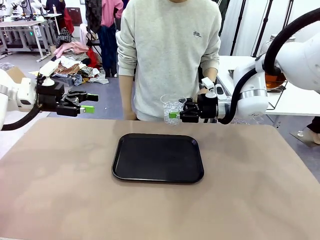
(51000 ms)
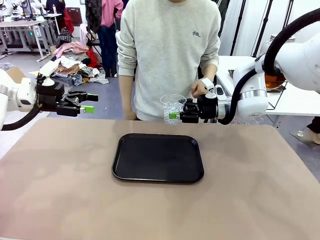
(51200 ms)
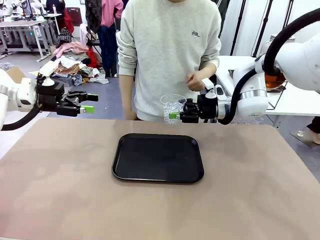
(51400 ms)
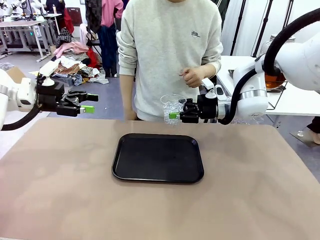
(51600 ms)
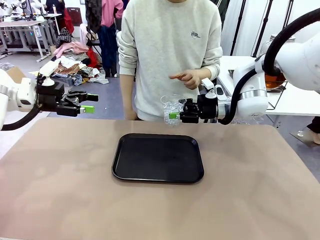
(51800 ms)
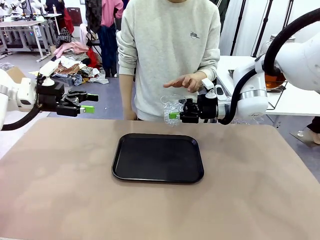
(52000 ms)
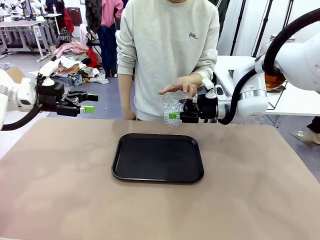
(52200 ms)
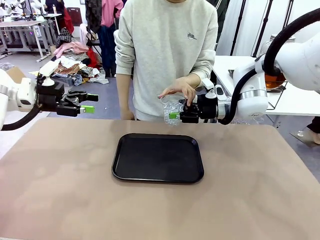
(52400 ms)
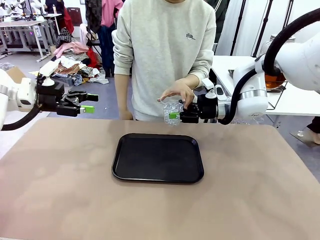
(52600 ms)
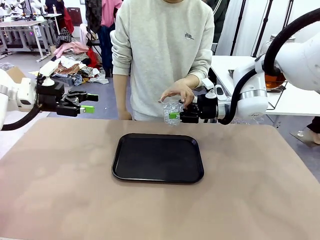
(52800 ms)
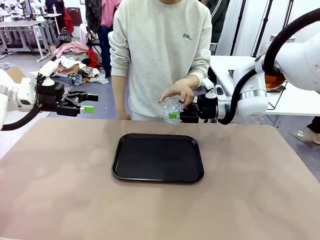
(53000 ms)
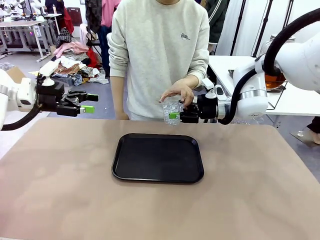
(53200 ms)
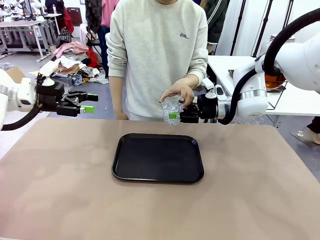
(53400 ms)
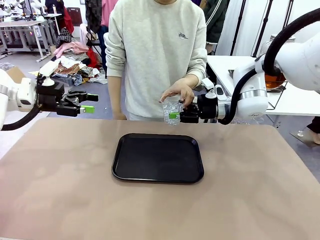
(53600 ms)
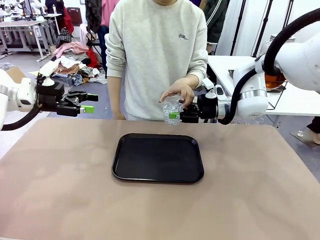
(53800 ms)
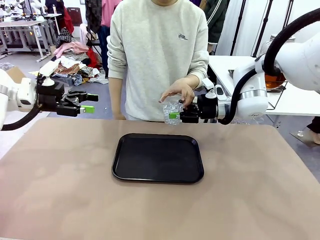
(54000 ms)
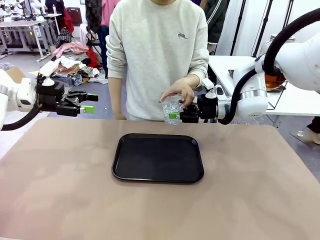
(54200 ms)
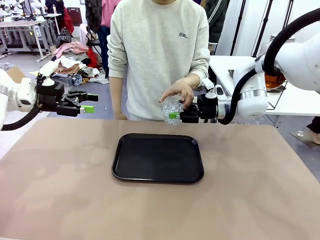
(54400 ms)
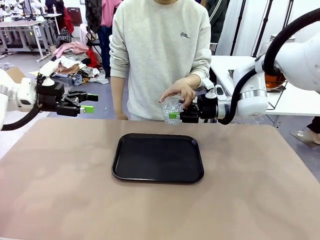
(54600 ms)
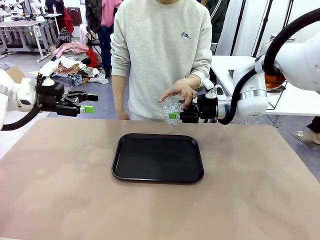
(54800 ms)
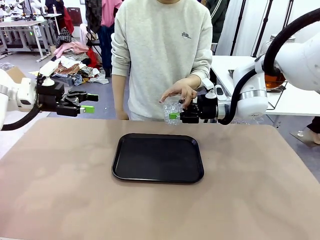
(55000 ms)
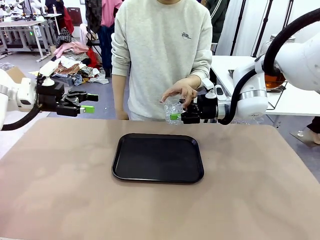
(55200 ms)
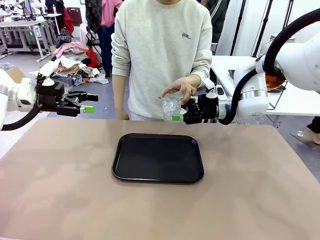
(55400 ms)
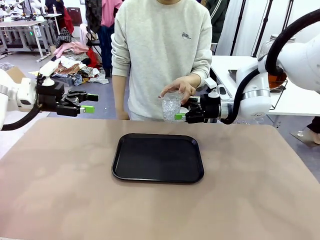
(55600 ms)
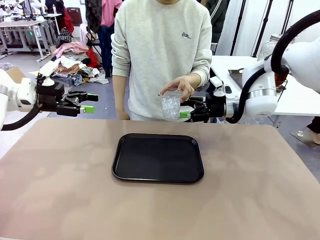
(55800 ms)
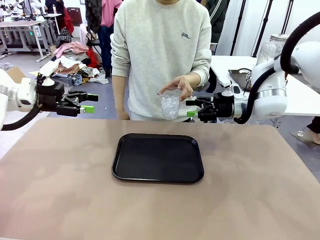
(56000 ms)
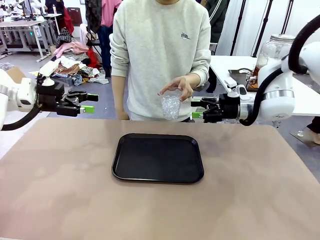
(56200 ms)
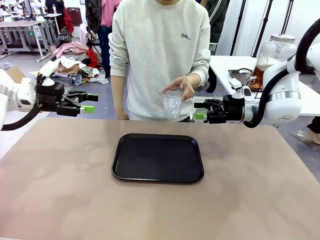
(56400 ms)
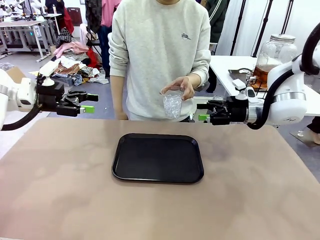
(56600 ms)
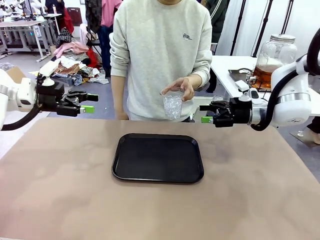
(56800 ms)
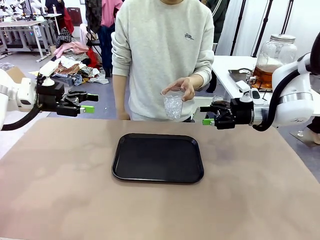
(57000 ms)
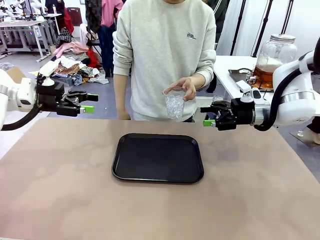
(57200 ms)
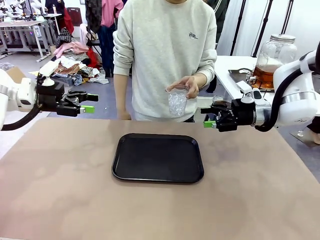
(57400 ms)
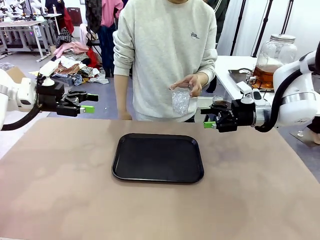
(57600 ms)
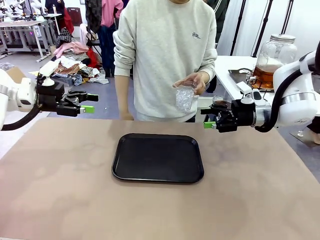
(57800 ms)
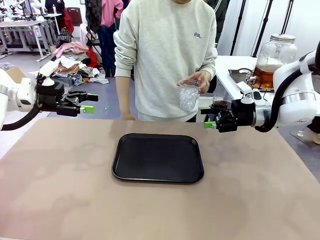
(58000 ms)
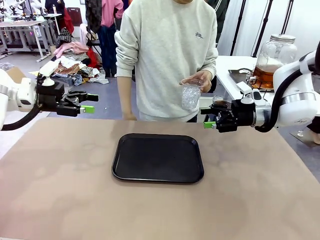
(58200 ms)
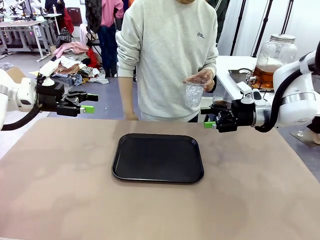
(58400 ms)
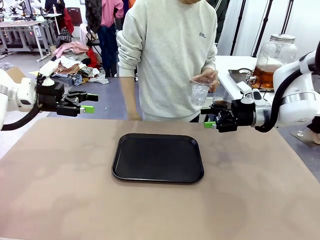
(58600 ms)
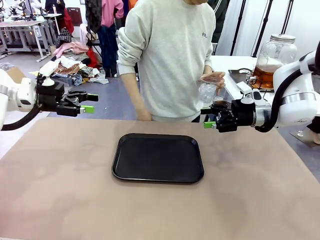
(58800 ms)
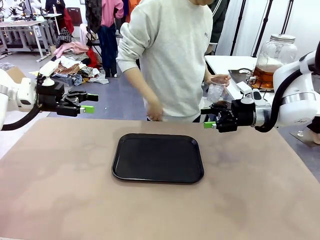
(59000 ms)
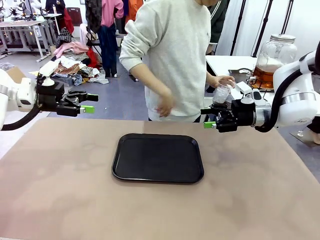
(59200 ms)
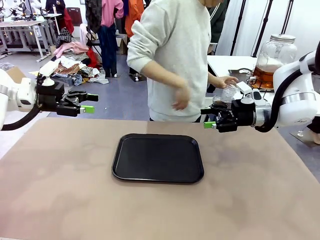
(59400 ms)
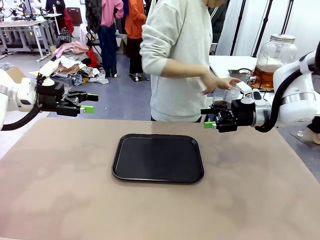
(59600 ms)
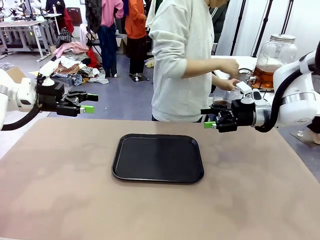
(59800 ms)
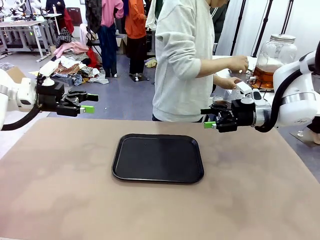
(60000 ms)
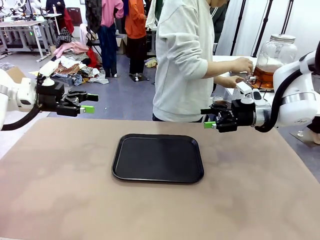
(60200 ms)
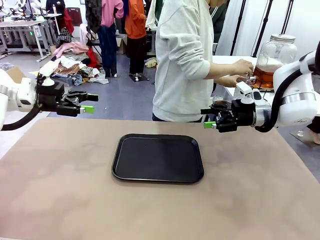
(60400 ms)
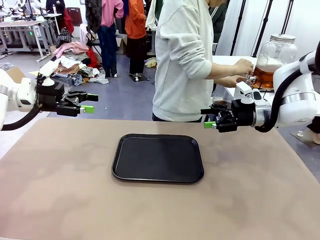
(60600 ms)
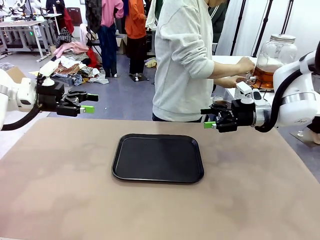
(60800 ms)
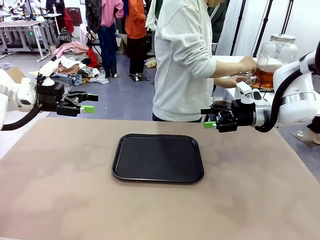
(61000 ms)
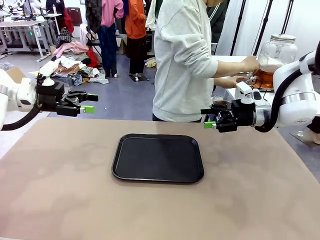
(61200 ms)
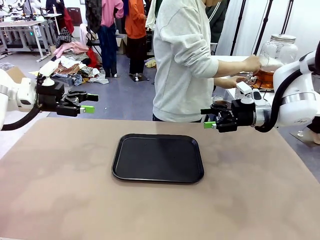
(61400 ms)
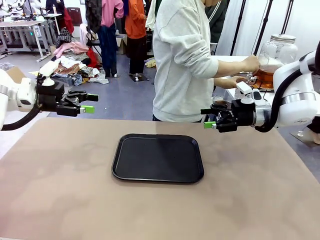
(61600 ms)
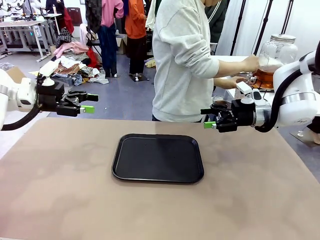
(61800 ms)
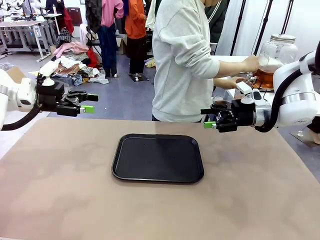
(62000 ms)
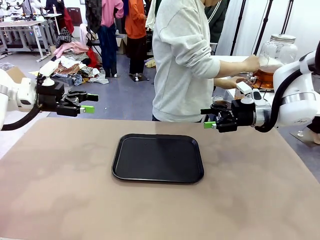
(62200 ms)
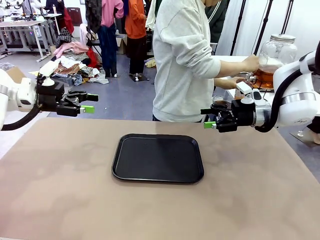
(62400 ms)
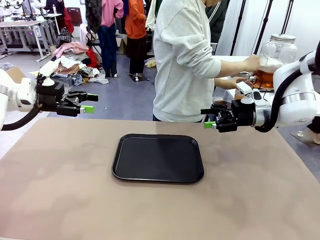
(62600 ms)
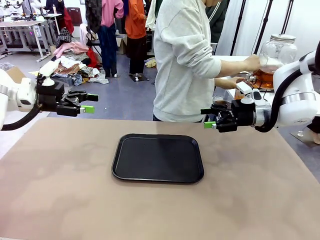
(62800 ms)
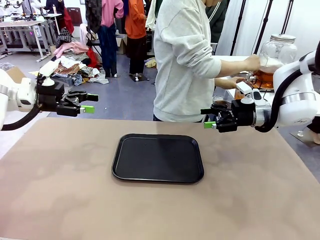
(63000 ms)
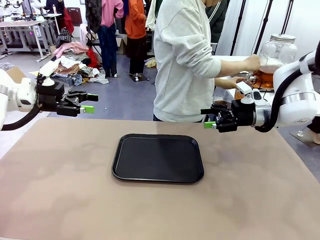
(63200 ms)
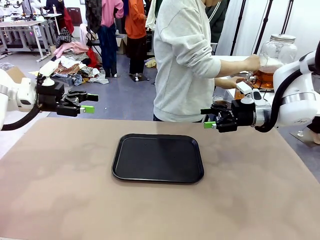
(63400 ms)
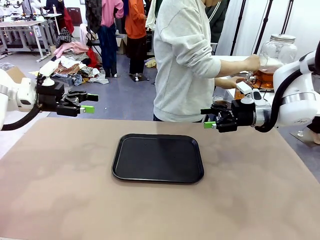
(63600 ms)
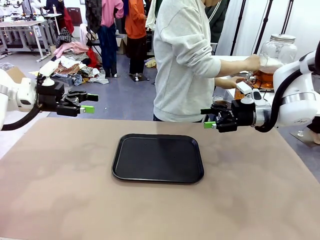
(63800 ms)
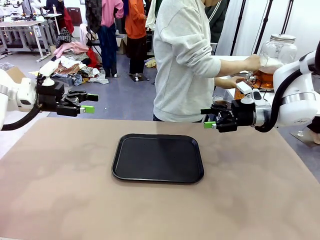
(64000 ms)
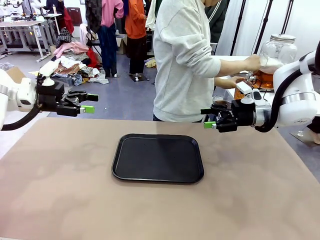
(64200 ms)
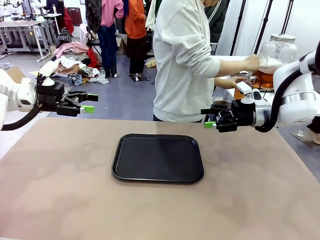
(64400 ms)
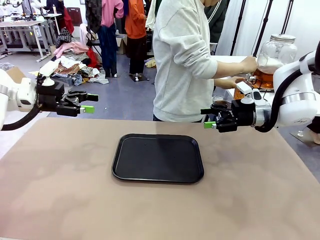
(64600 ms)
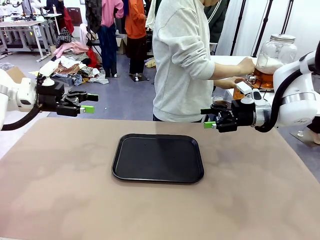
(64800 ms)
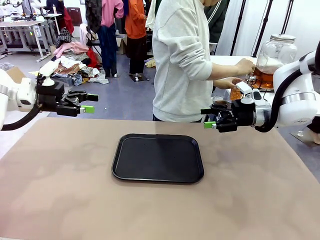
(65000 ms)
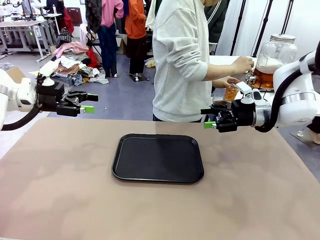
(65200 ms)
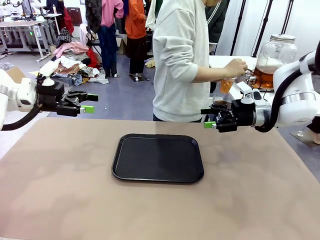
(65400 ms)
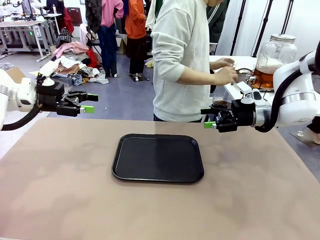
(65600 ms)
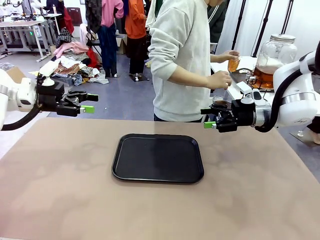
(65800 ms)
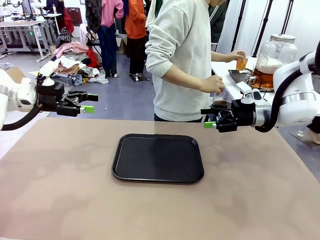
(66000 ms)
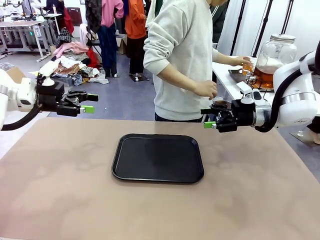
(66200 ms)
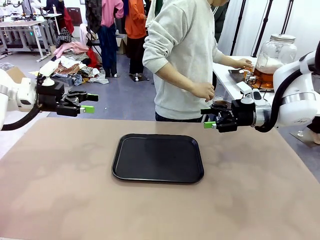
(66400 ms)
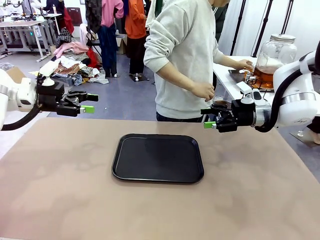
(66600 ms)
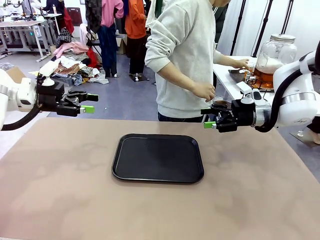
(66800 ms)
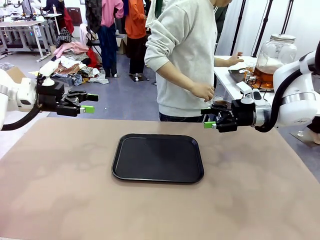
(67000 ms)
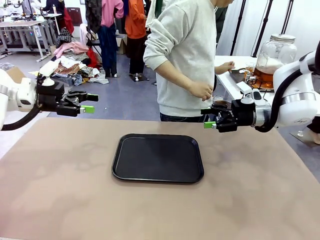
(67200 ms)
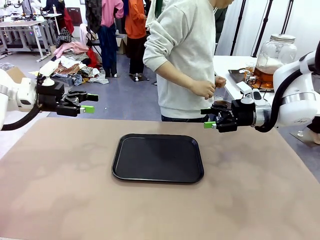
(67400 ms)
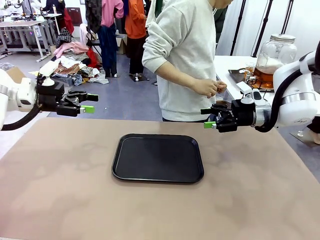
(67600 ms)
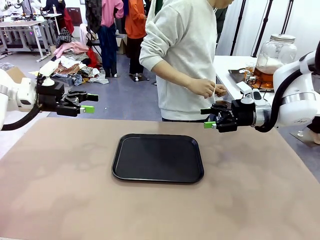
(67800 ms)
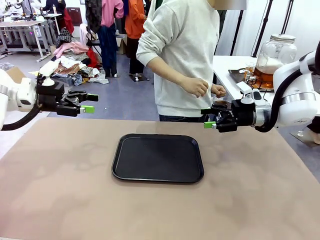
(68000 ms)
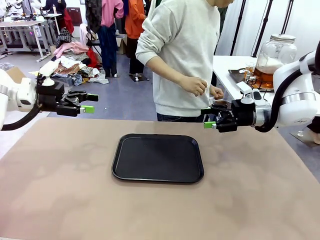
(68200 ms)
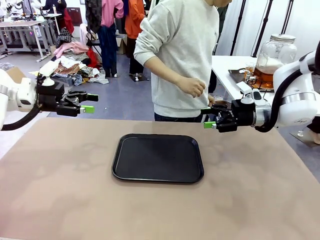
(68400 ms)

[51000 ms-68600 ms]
Task: Pour the drink into the iced cup.
Robot: Open the gripper to release the iced cup you were holding.
Person: Move the picked-up cup under the dispenser faucet, pour the drink, and place it on the tray on the human table.
